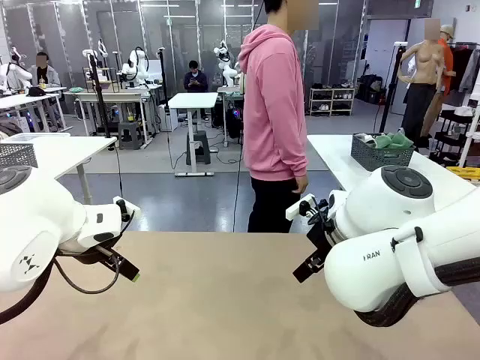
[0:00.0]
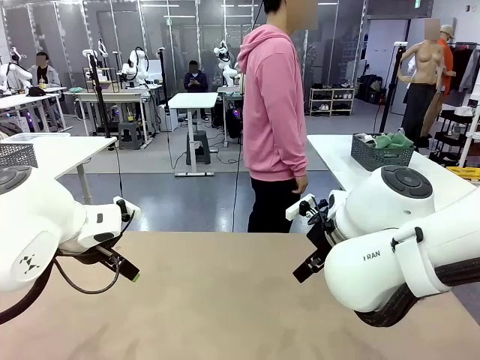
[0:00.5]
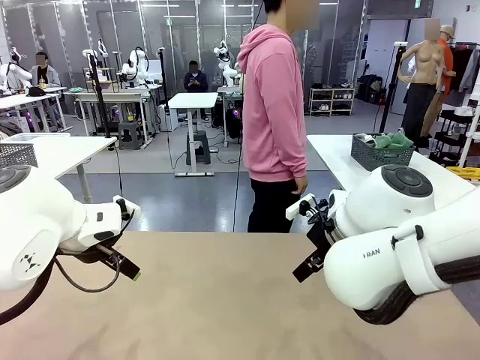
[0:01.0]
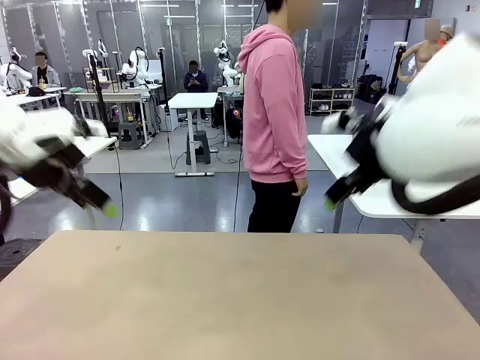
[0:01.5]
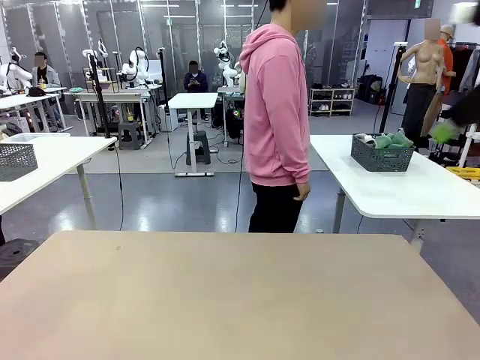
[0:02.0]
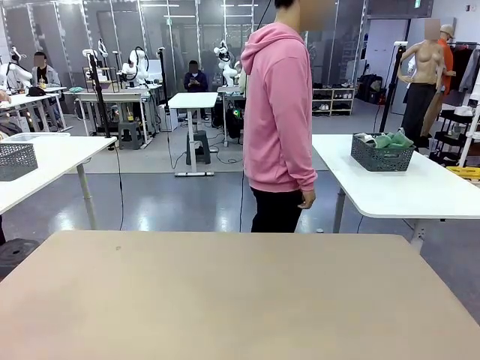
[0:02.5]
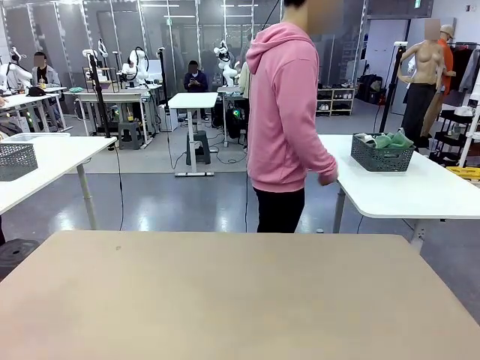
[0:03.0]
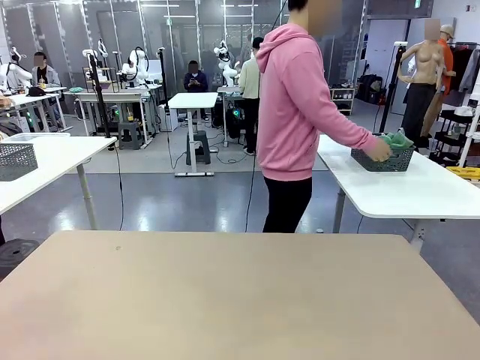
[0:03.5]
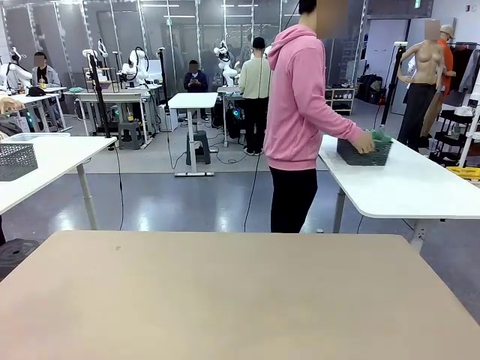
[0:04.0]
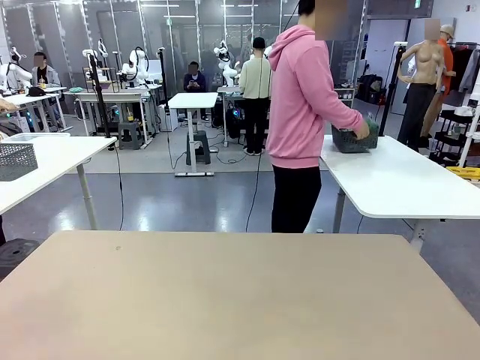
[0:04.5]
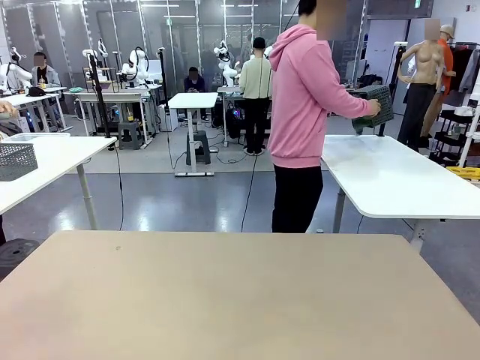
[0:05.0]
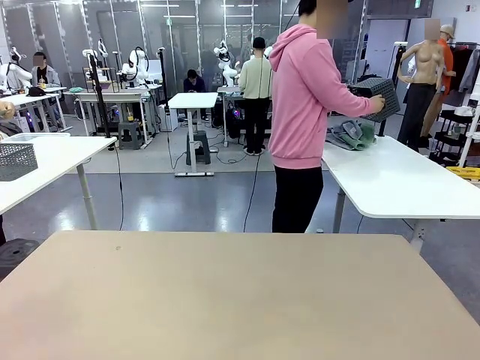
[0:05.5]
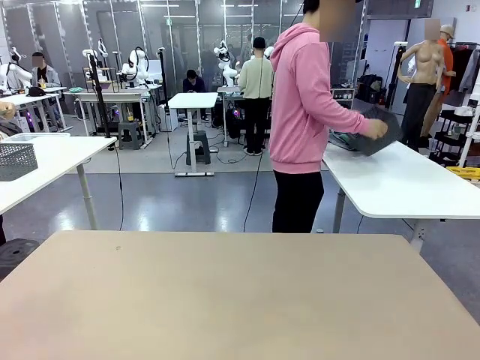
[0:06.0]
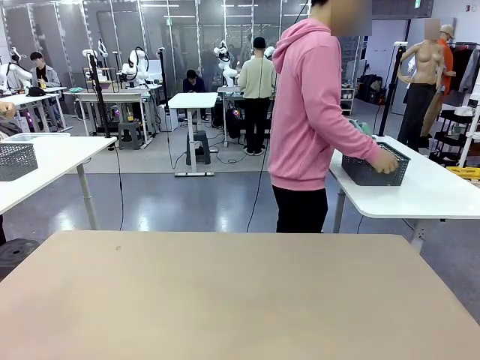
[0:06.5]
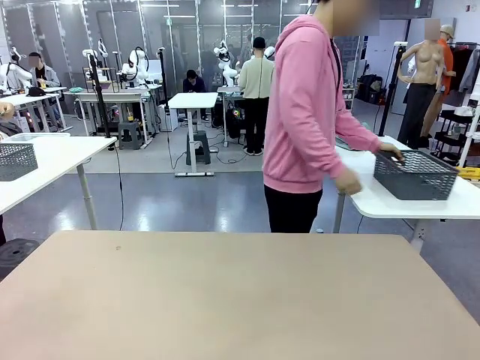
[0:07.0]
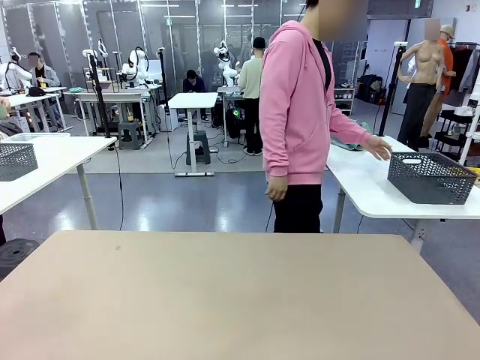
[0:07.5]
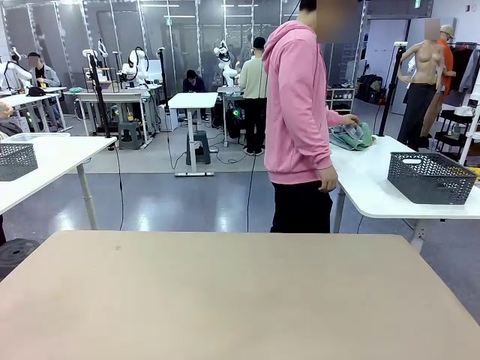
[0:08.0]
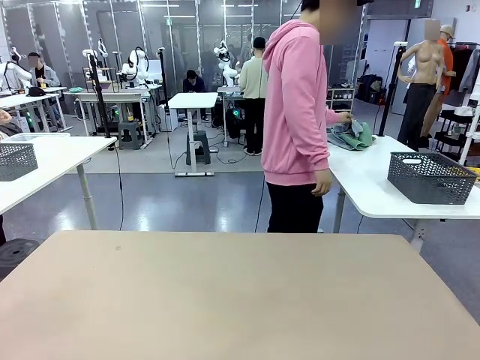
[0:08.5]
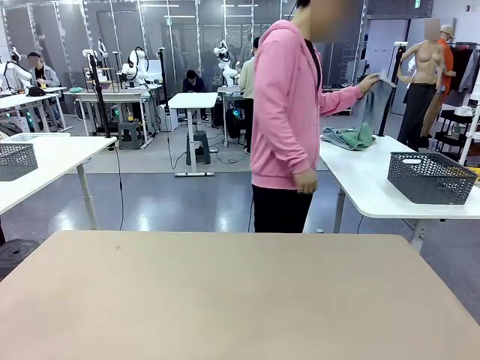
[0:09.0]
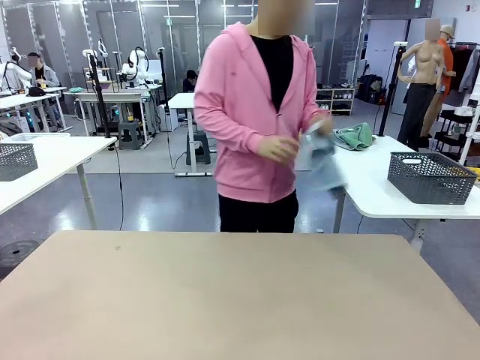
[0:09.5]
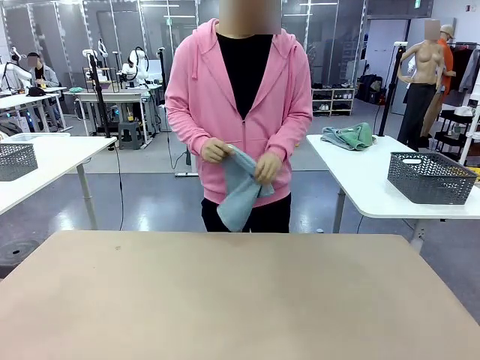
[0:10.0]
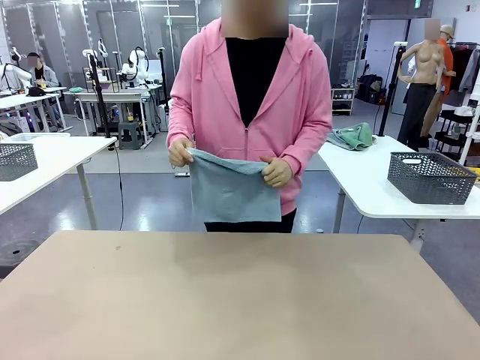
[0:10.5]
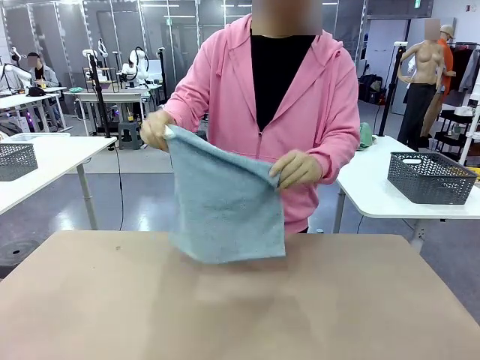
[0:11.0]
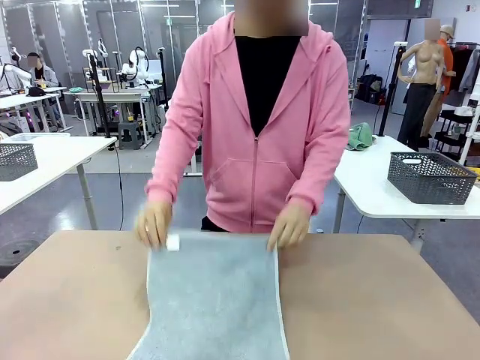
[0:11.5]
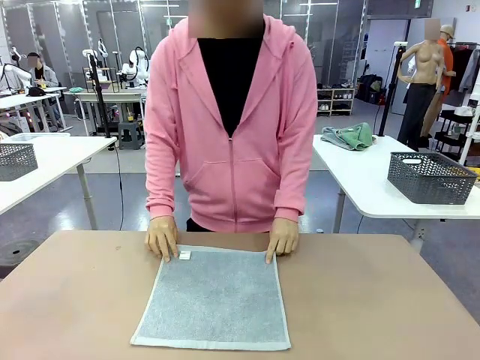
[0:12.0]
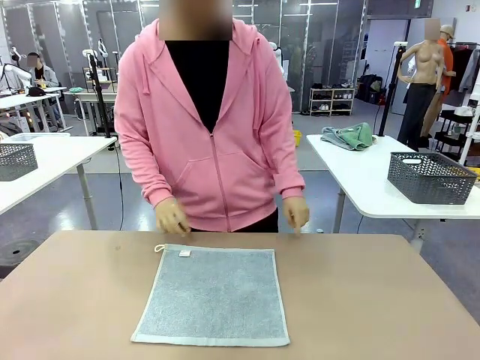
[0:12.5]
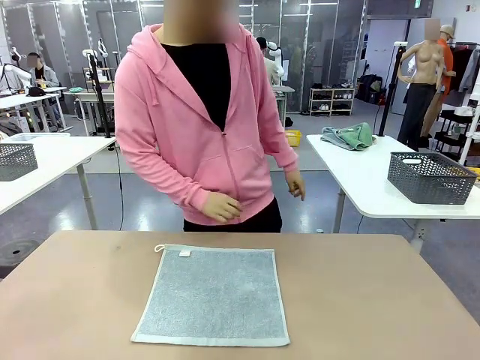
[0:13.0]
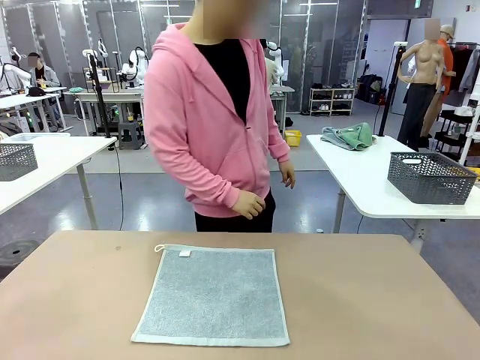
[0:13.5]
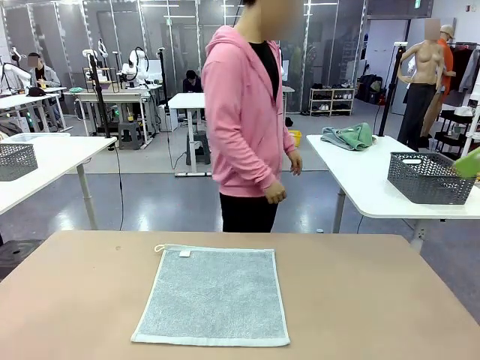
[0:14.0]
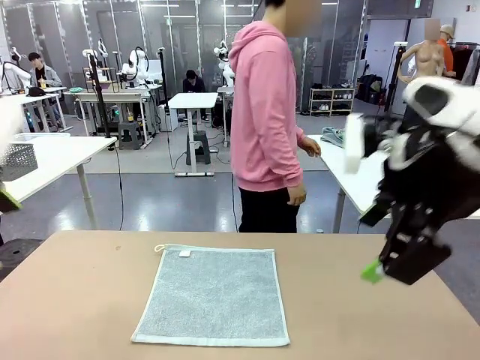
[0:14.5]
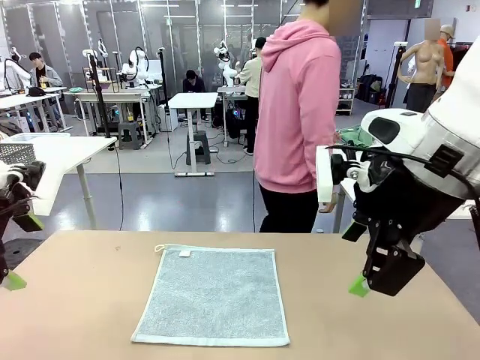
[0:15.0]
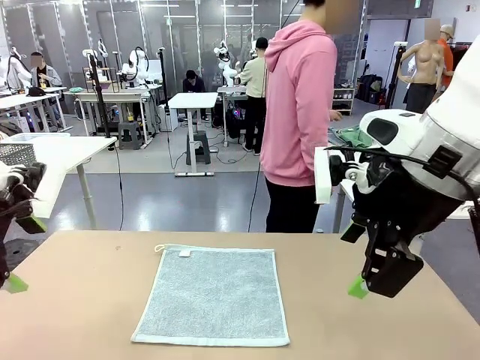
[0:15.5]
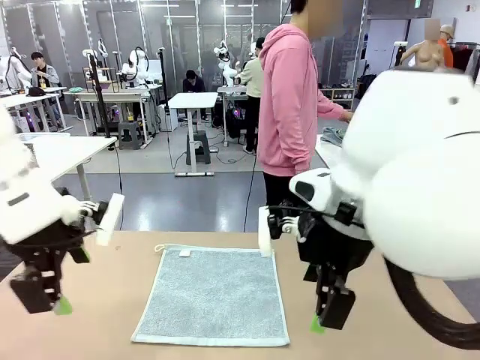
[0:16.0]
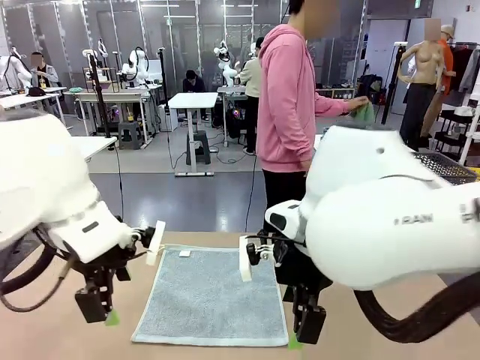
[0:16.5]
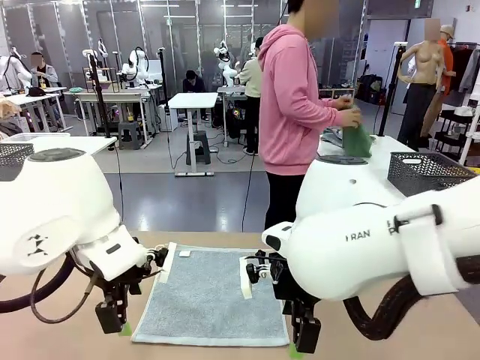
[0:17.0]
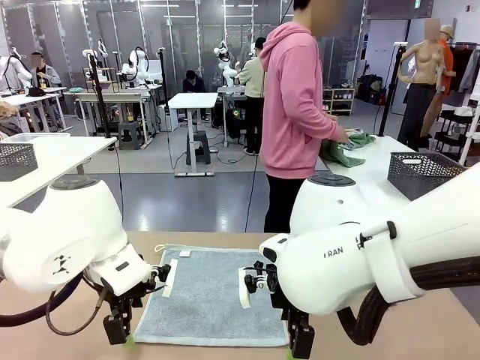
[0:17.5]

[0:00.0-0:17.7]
Task: Fold the towels and place them in the basket.
Robot: When a person lays out a Towel with hook on the table, fold it in half twice.
Person: Pick up the basket, pour the towels onto the left side of the human table, and place the basket on the right side. Pick up one towel and spread it out at the center of the robot table.

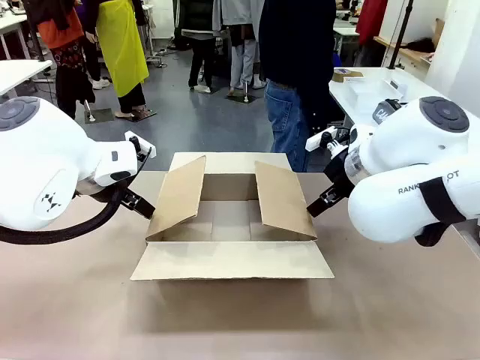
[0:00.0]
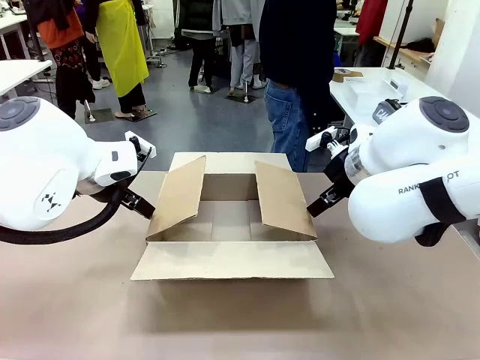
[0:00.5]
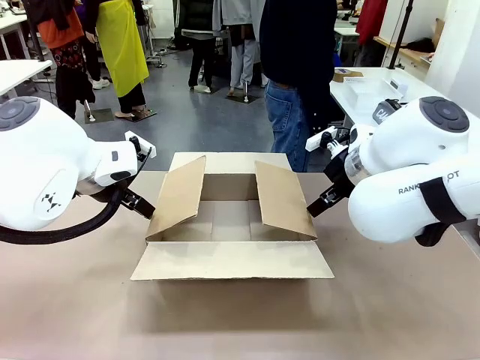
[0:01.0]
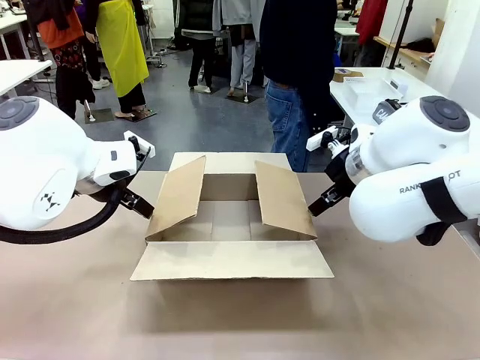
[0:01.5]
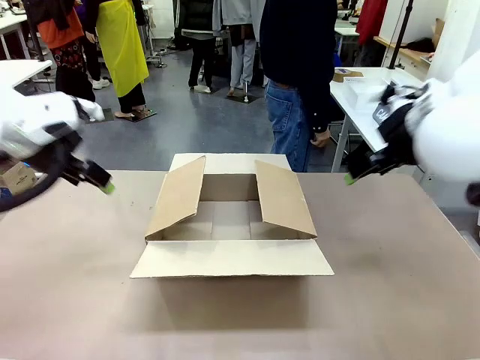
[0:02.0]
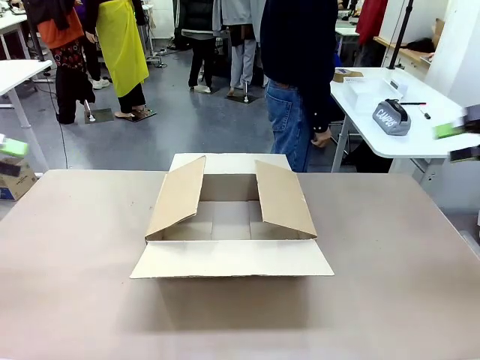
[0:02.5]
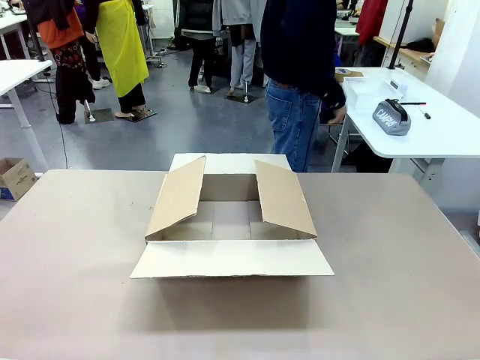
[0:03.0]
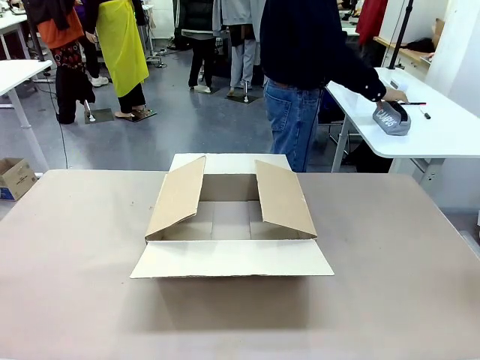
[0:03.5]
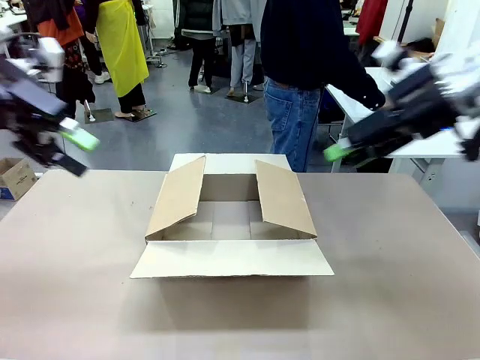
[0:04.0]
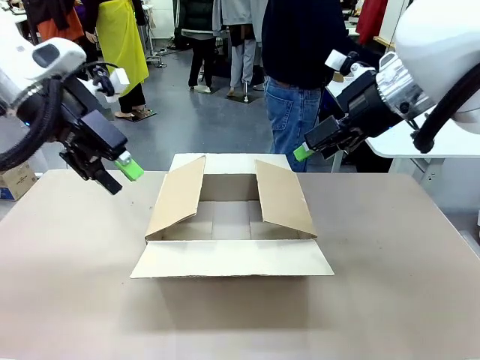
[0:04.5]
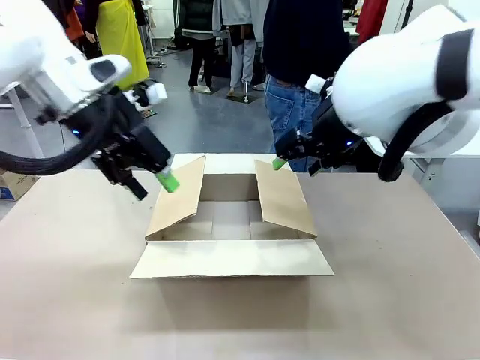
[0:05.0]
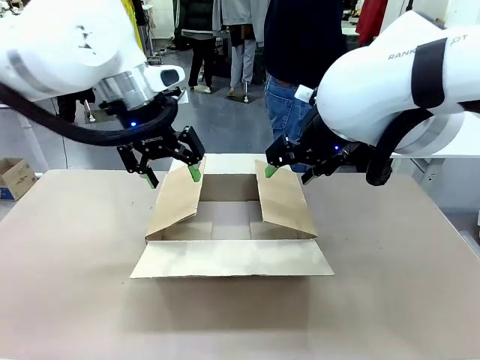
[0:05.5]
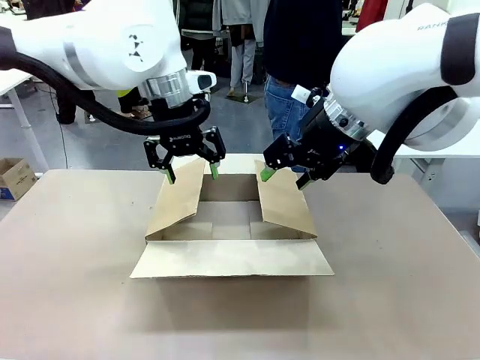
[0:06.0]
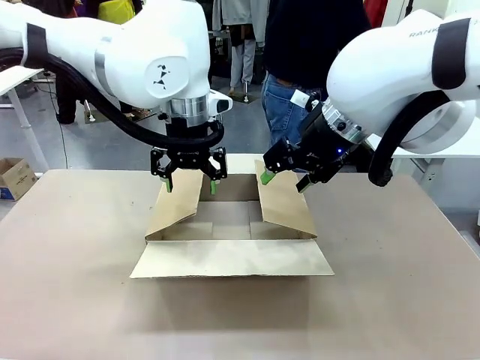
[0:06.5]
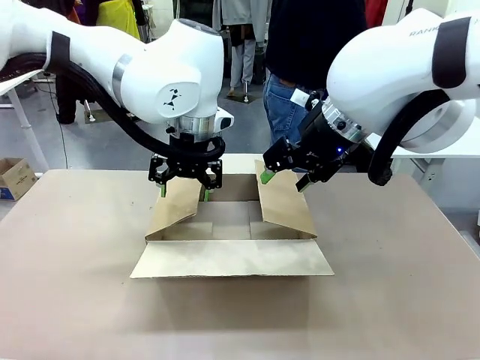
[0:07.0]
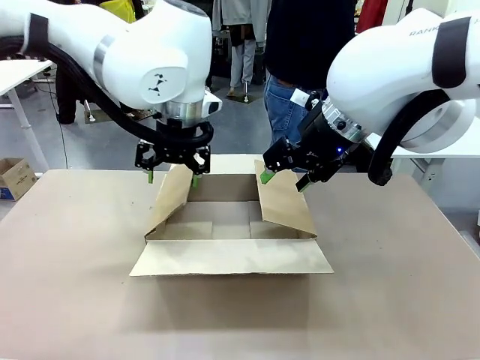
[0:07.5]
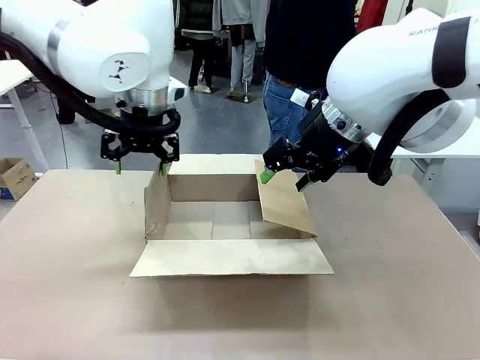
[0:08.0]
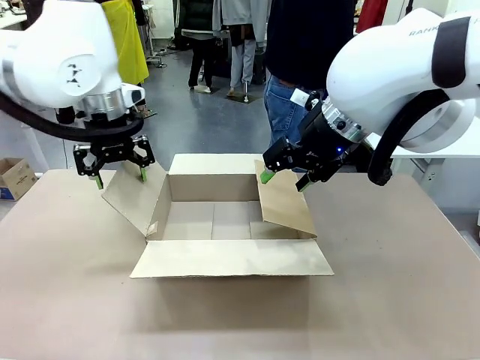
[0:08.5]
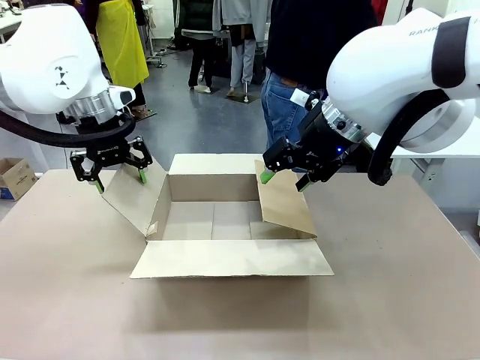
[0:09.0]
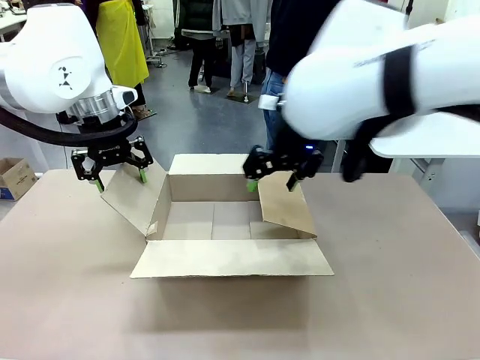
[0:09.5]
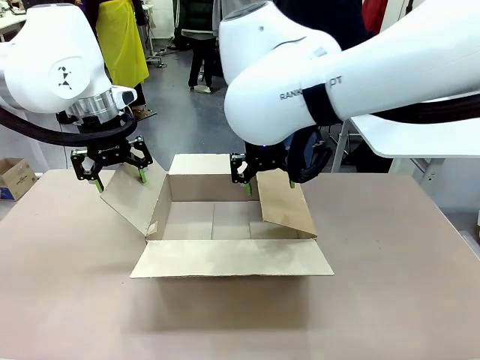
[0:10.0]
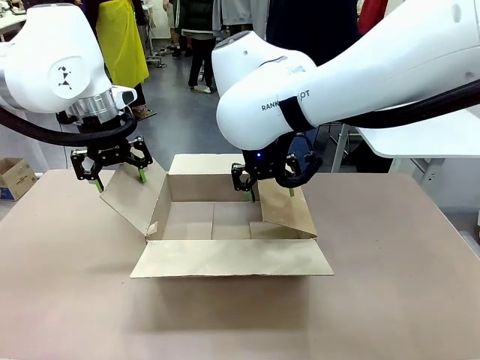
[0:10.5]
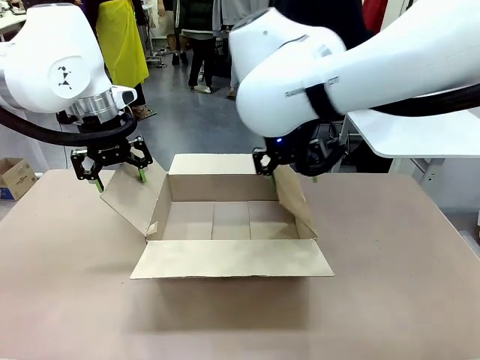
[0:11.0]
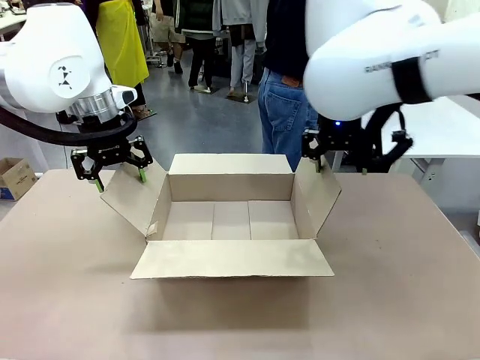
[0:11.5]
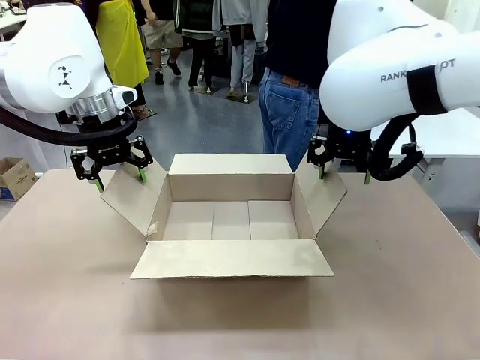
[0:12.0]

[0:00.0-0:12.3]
Task: Pack the gift set into the box.
Robot: Place both hands on the side flaps of the Package Box and spread them outward.
Person: The human places all items except the paper tape into the organizing basket.
